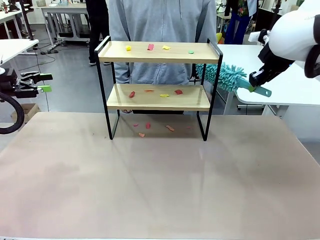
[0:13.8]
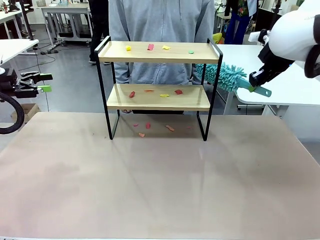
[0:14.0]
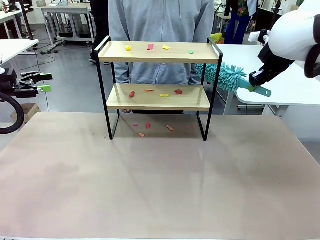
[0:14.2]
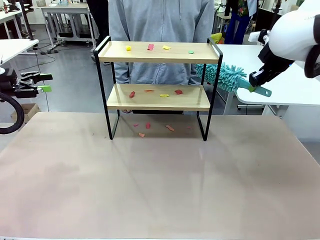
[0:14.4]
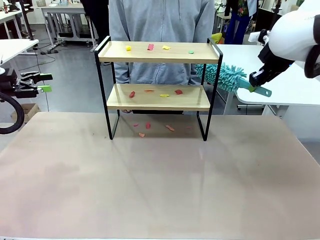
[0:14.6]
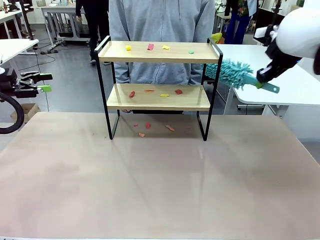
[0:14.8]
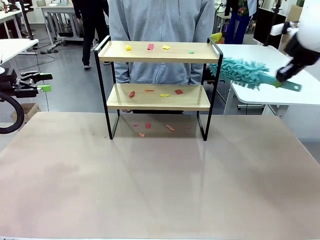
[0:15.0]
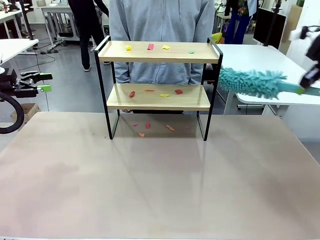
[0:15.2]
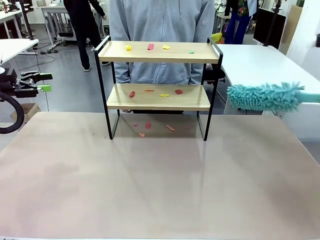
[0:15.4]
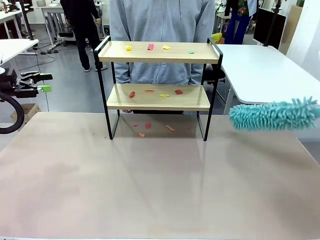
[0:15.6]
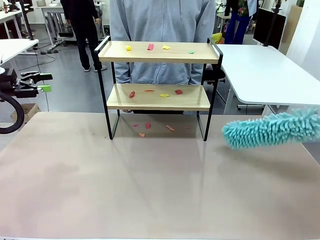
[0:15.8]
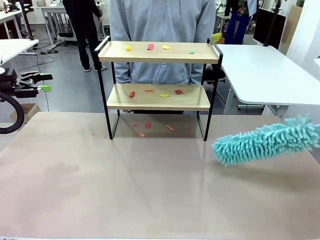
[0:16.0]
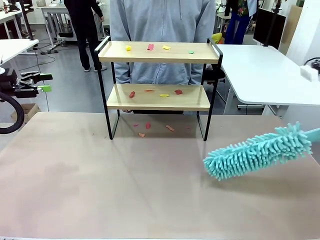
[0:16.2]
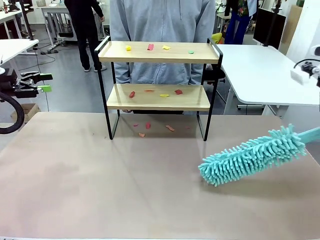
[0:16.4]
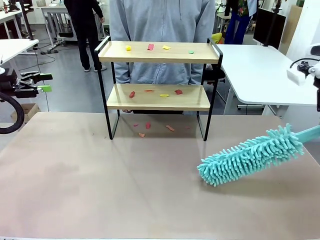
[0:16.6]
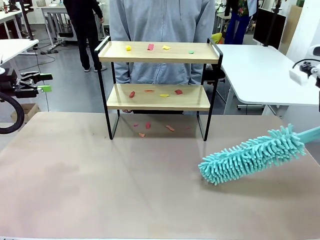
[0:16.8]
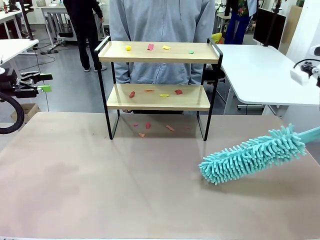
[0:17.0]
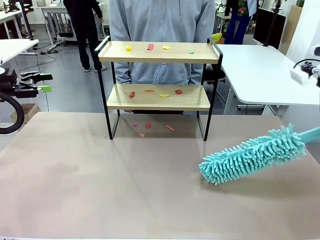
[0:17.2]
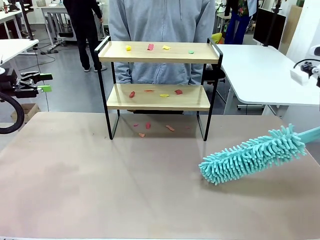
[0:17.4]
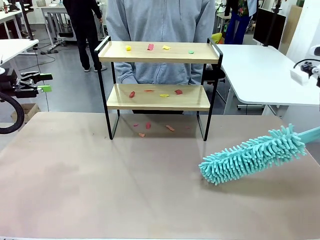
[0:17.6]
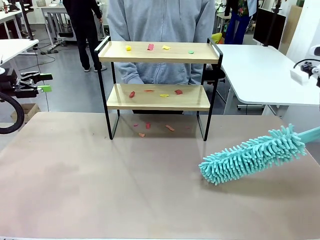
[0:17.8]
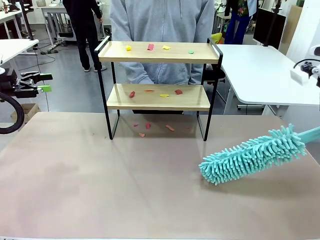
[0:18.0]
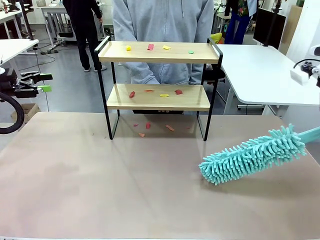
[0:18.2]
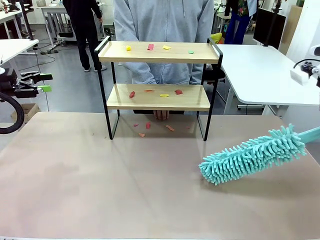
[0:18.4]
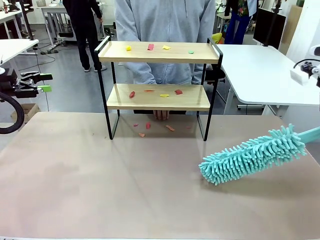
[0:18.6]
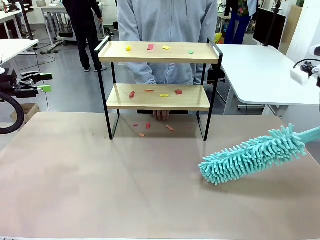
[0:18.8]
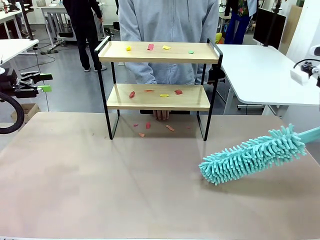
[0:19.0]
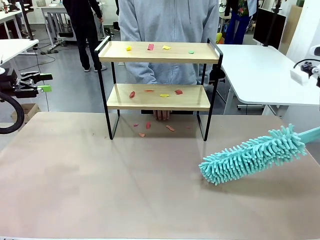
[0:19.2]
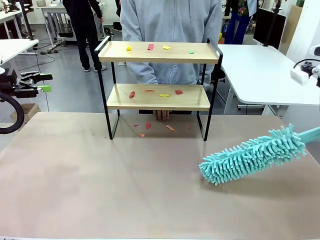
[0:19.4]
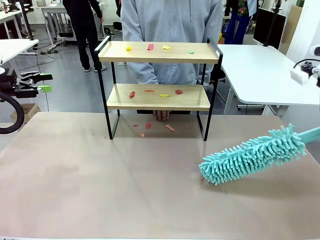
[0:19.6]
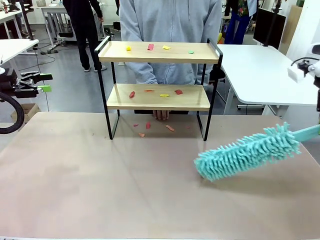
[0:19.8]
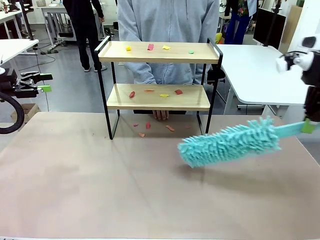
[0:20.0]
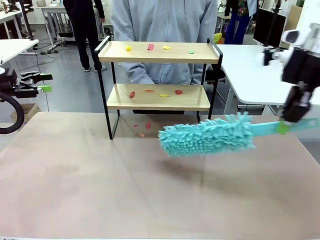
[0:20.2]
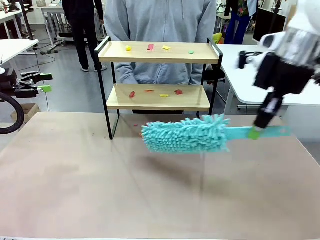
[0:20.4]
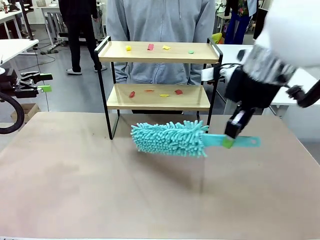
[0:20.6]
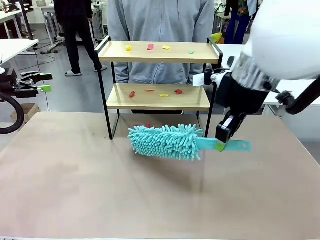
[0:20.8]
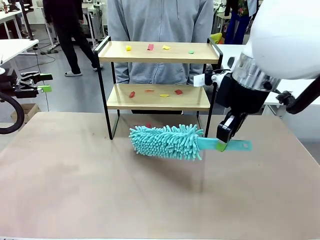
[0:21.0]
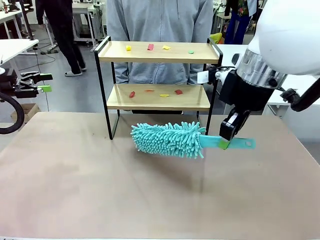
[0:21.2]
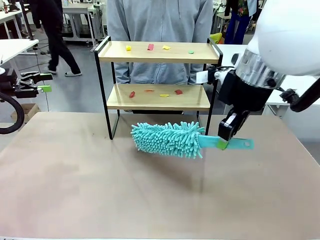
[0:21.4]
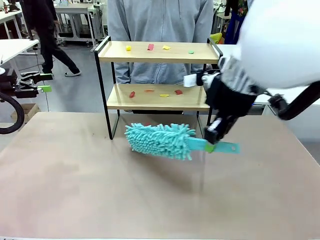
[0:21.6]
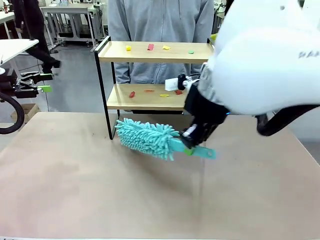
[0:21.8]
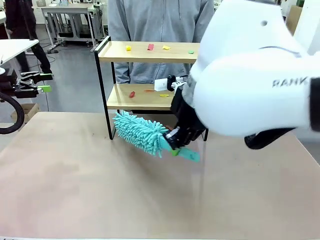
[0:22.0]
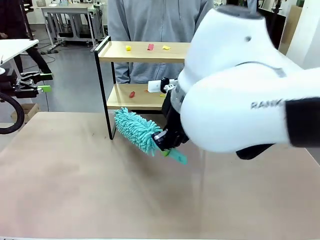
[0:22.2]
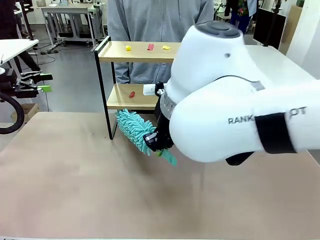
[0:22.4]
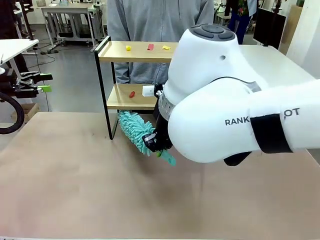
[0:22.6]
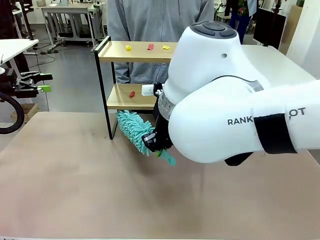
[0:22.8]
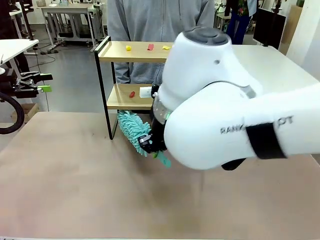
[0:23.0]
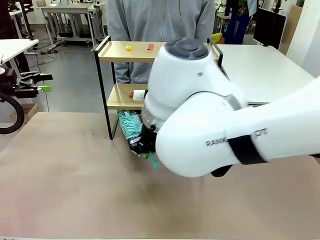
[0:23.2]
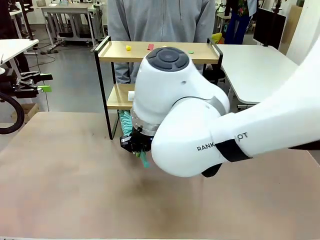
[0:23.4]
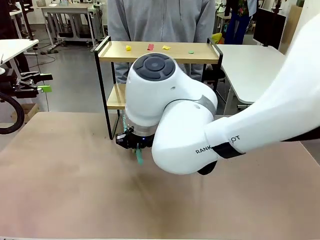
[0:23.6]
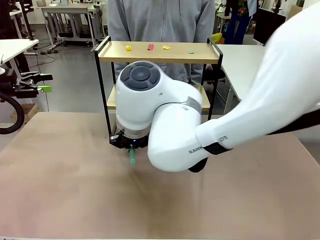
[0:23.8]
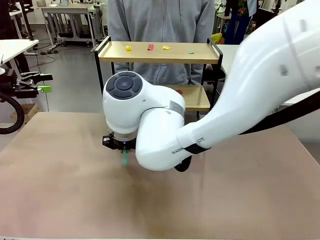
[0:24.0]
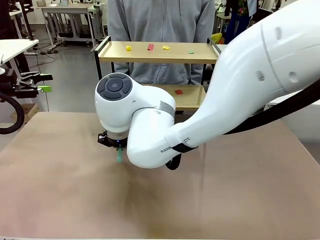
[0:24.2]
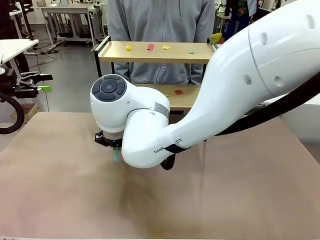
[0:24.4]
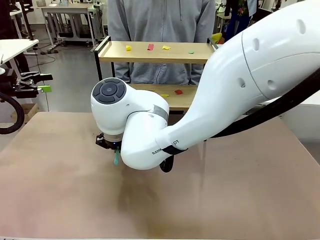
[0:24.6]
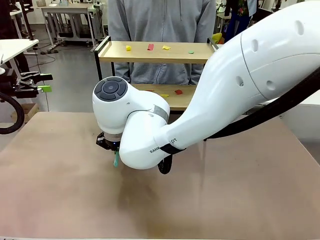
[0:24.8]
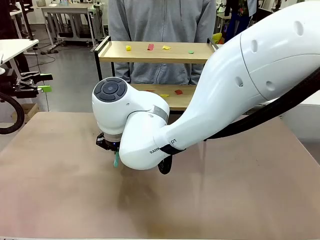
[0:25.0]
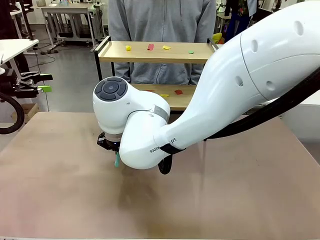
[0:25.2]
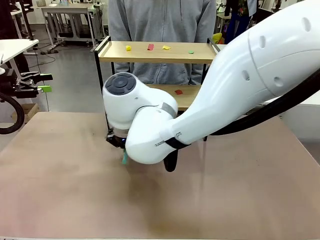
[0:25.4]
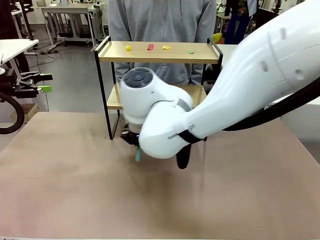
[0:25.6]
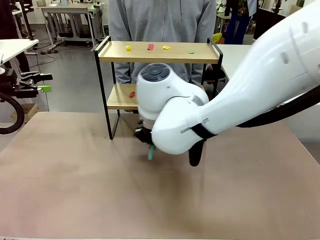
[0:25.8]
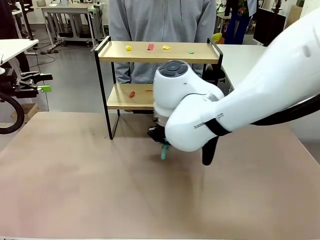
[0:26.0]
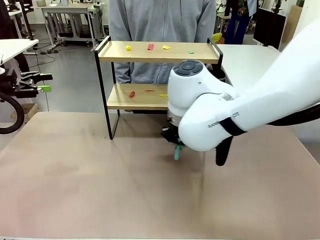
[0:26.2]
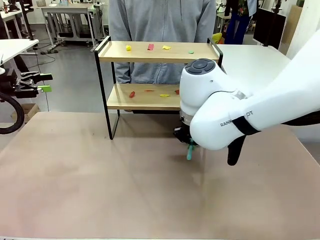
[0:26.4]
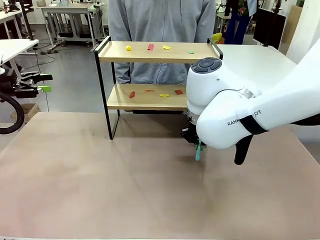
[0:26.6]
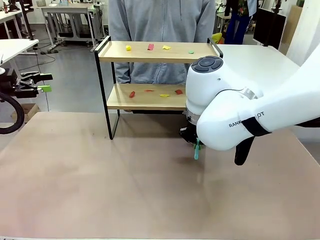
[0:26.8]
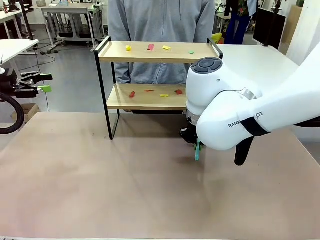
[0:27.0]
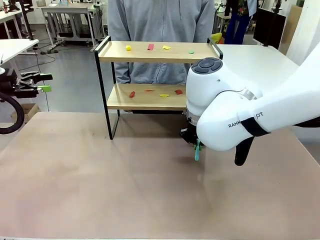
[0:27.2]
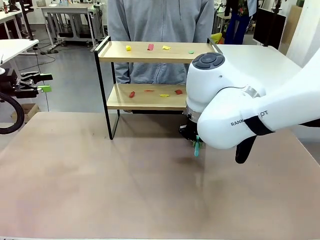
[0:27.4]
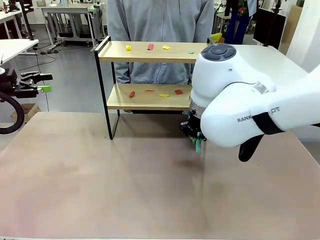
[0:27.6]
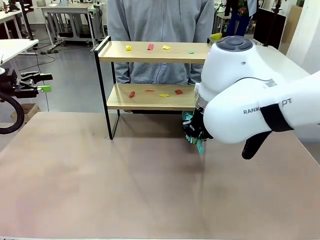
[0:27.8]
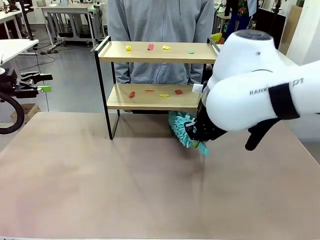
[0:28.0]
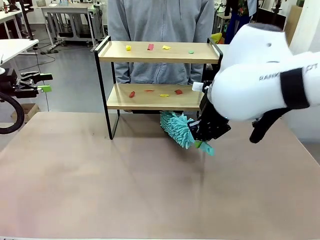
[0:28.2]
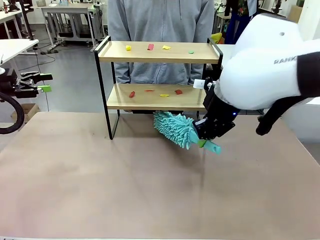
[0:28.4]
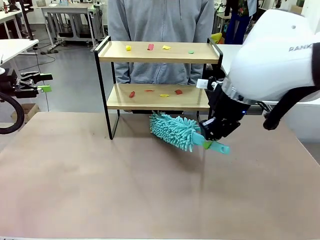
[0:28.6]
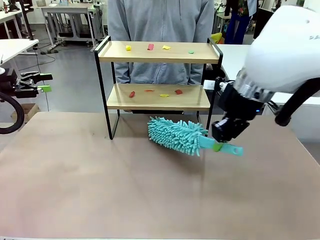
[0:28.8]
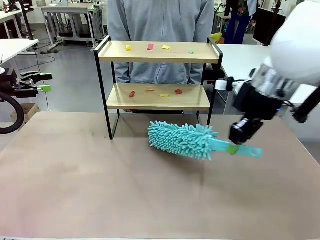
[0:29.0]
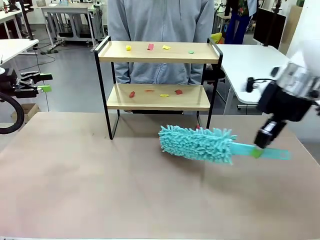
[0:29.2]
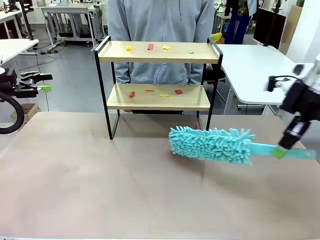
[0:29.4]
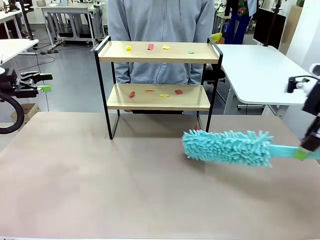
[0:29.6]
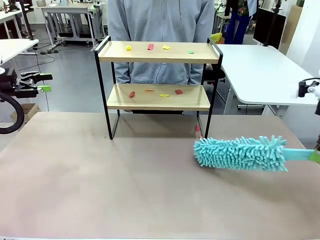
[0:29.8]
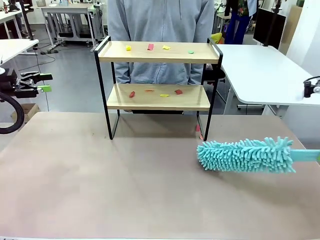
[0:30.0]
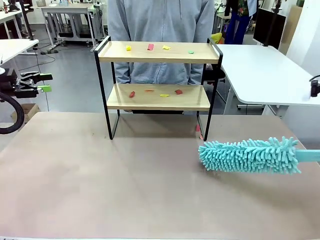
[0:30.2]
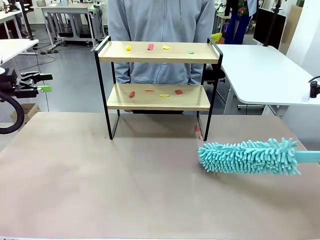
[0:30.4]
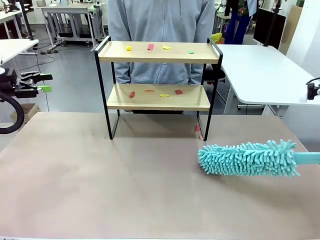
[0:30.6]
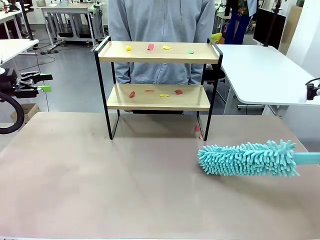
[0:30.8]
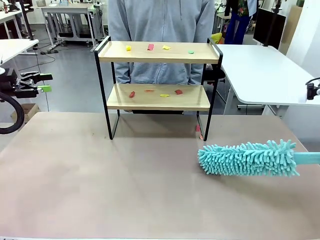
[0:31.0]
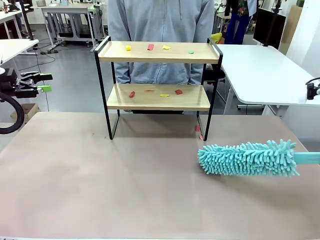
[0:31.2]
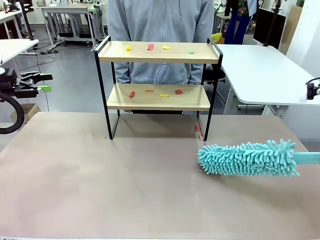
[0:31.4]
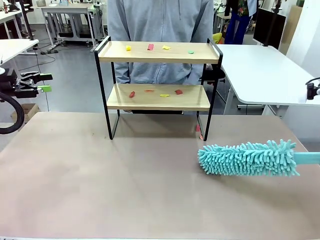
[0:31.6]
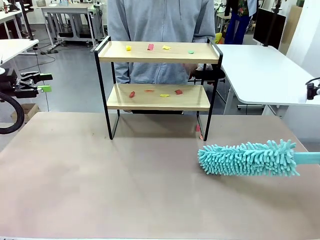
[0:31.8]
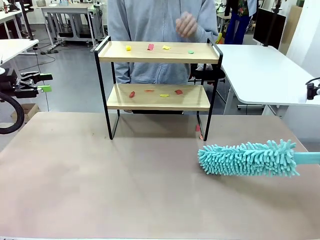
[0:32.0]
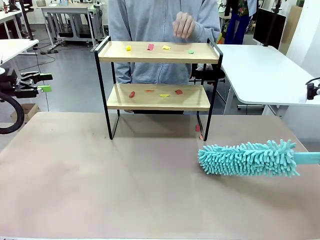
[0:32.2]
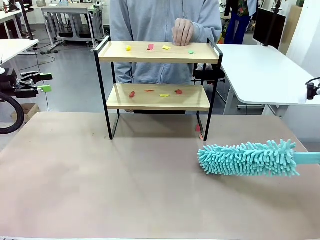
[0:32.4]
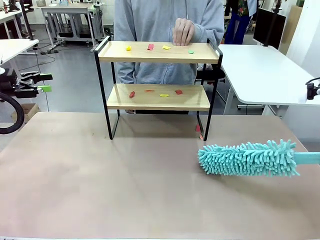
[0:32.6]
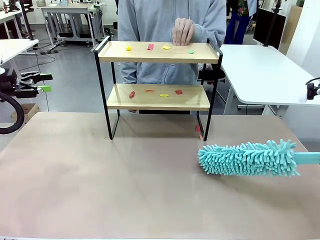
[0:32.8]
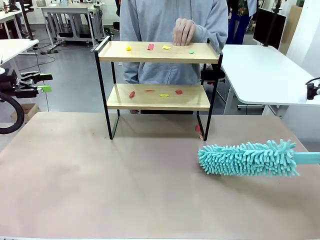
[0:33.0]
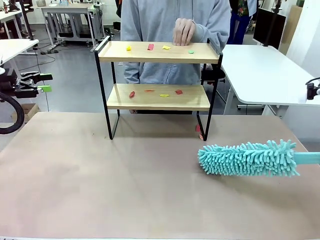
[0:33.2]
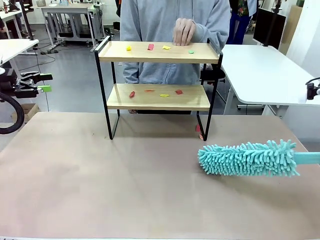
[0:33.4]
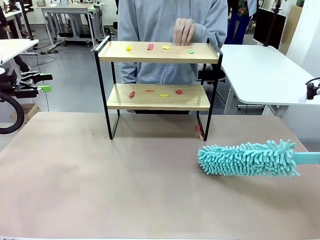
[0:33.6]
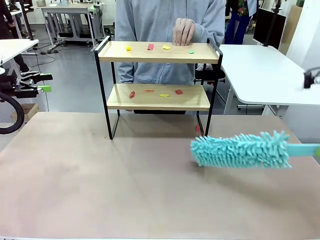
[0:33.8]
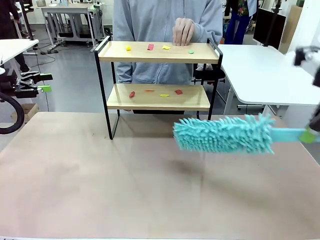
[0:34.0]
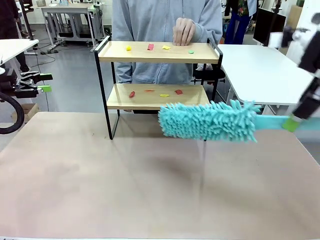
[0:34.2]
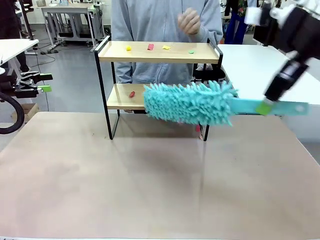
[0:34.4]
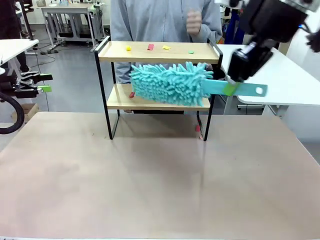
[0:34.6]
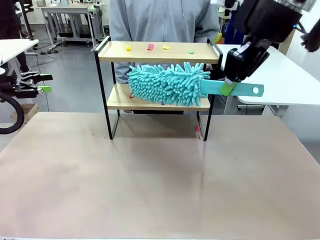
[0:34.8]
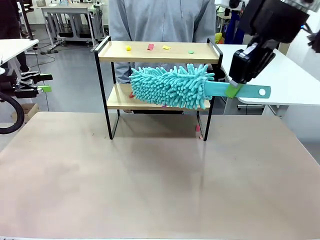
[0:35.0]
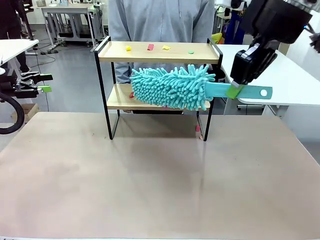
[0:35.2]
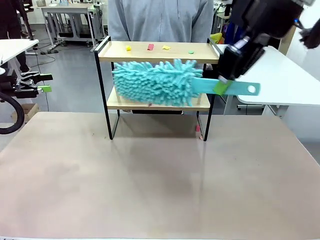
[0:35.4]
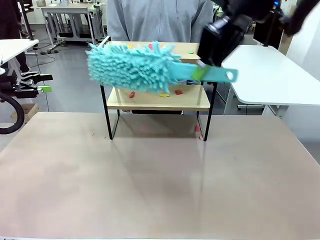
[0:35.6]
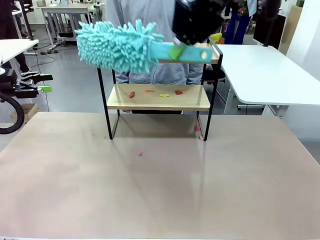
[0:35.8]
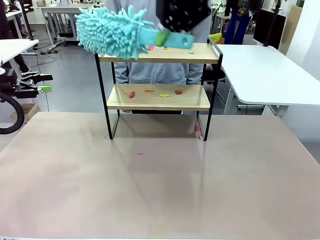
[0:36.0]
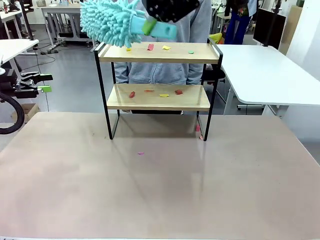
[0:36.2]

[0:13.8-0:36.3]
Task: Clean the shelf.
Robot: Clean the specific section of the Shelf indicated by the human with the Duster.
Person: Point a random section of the Shelf.
